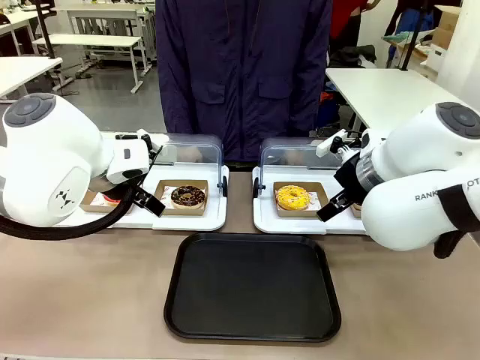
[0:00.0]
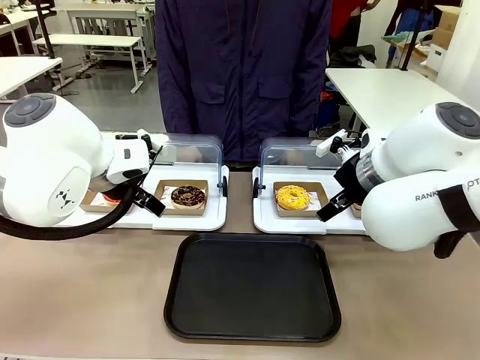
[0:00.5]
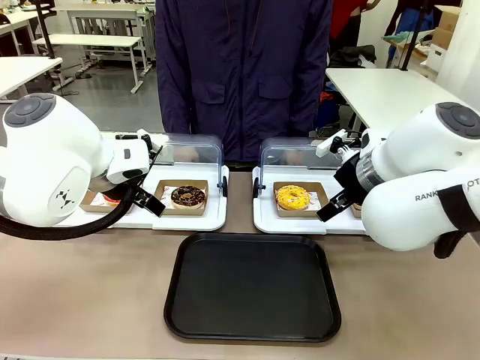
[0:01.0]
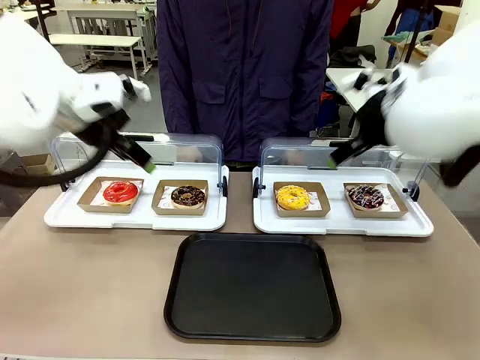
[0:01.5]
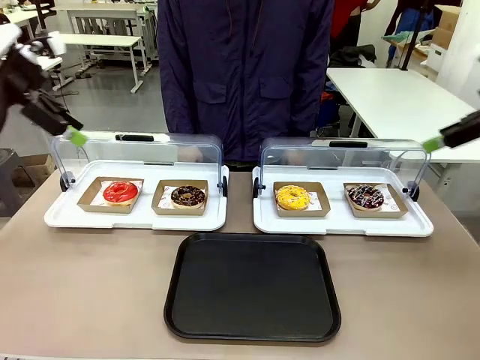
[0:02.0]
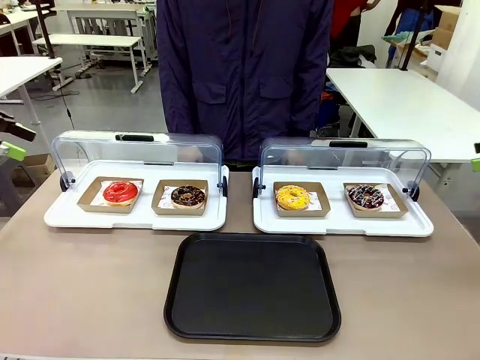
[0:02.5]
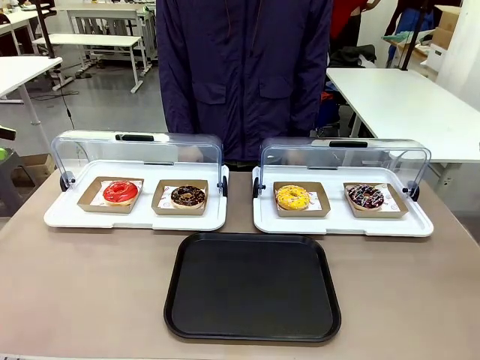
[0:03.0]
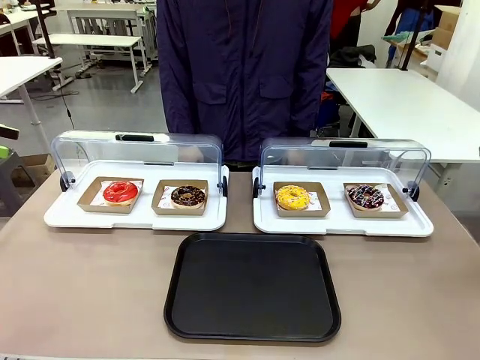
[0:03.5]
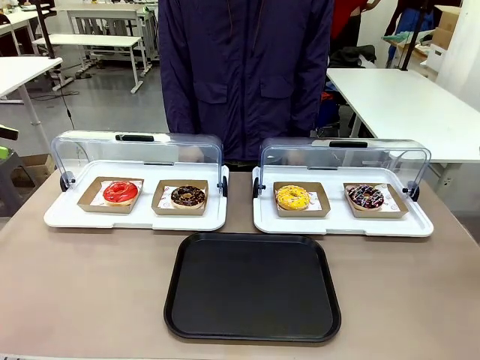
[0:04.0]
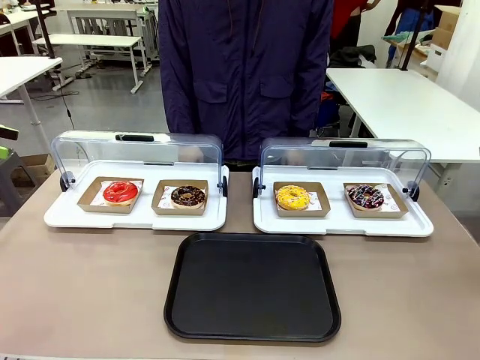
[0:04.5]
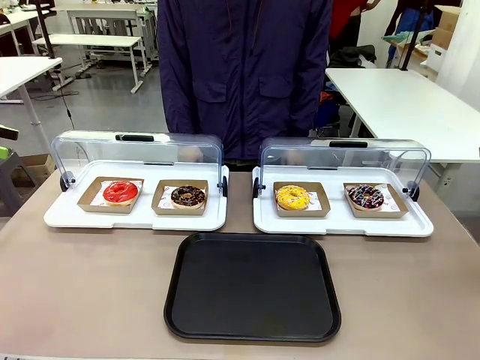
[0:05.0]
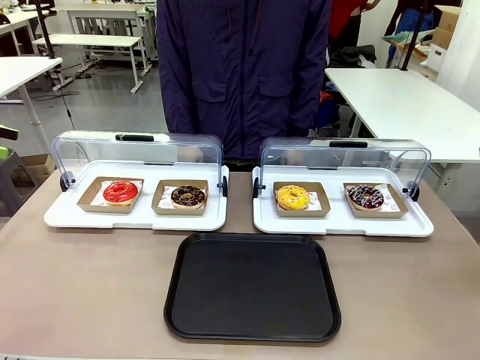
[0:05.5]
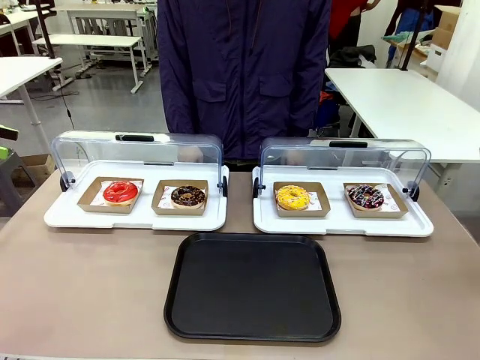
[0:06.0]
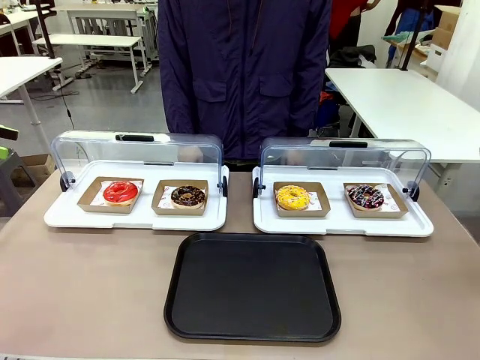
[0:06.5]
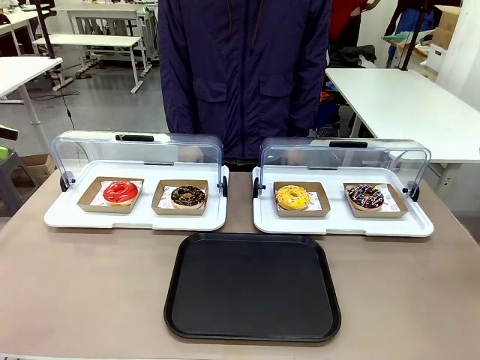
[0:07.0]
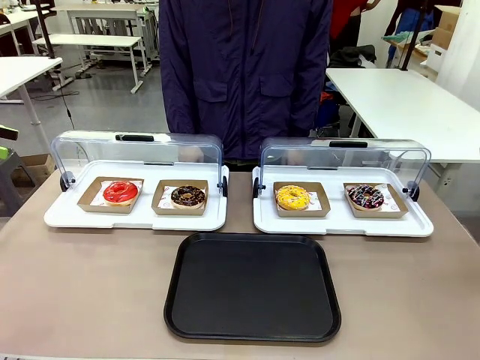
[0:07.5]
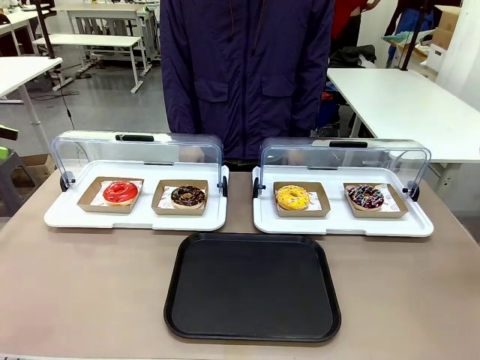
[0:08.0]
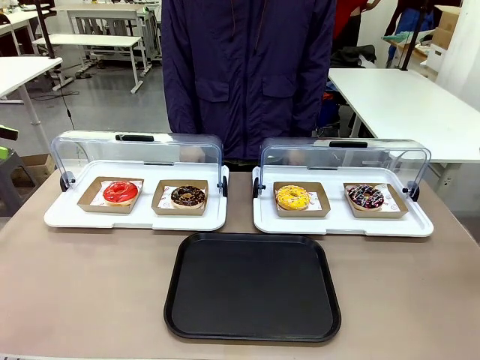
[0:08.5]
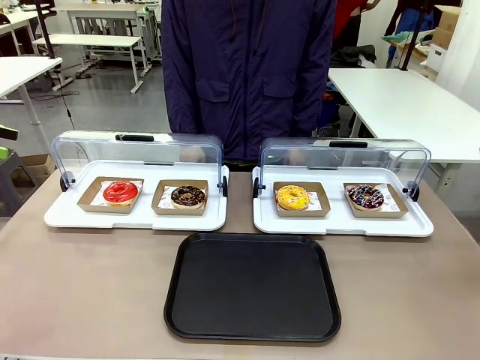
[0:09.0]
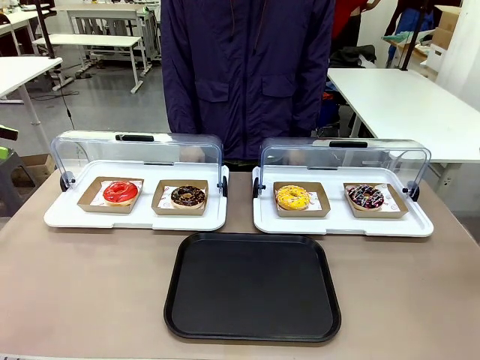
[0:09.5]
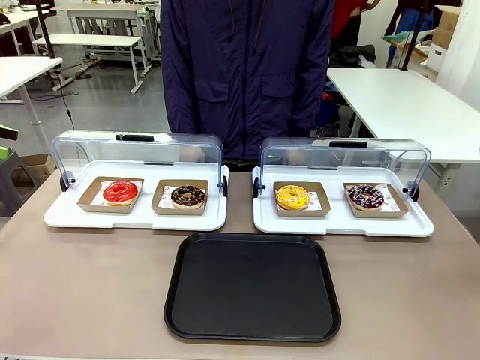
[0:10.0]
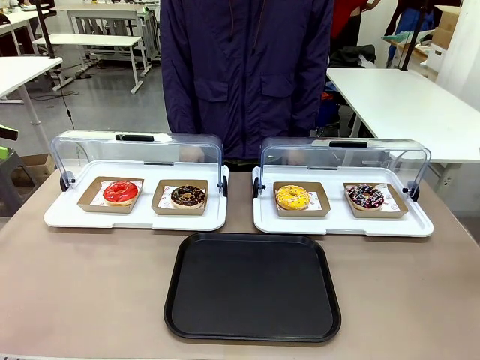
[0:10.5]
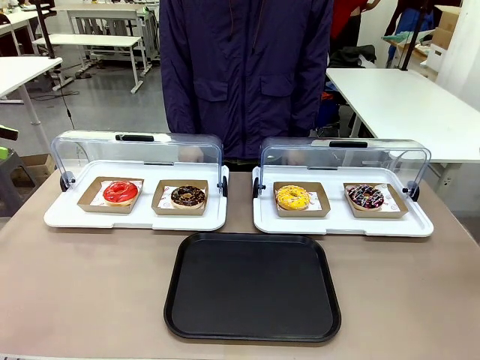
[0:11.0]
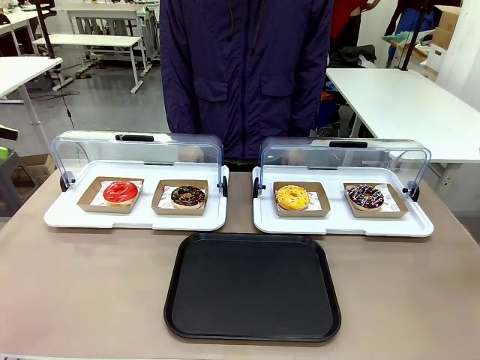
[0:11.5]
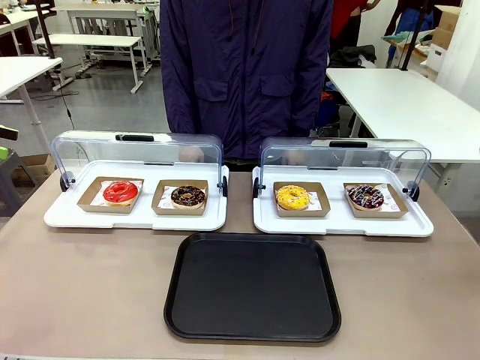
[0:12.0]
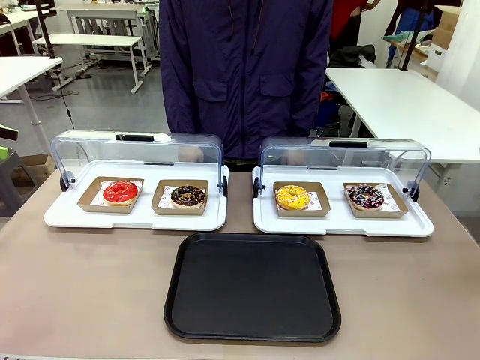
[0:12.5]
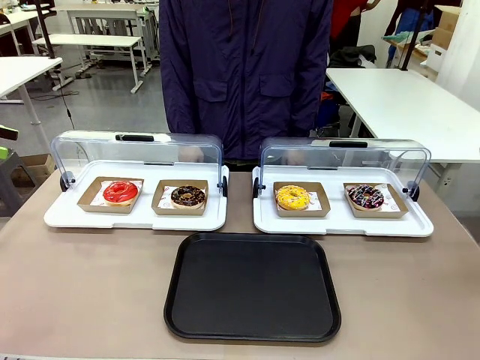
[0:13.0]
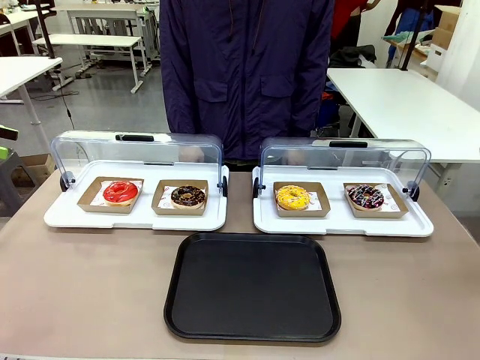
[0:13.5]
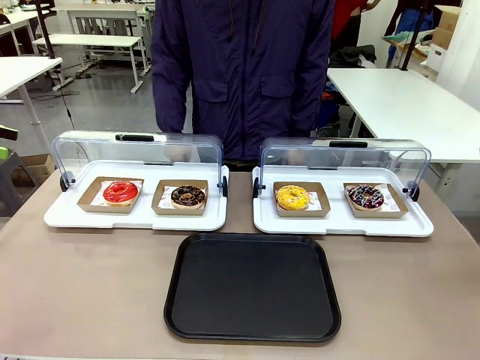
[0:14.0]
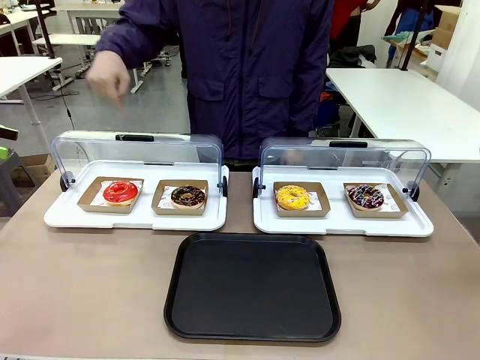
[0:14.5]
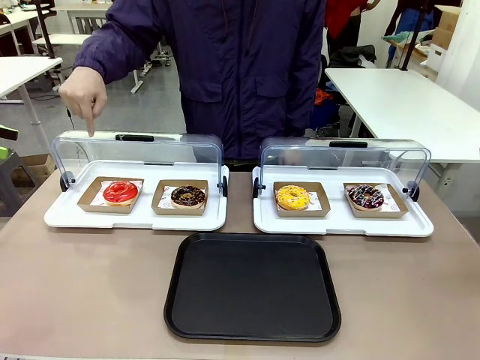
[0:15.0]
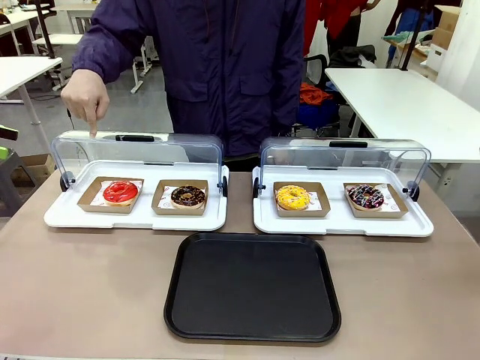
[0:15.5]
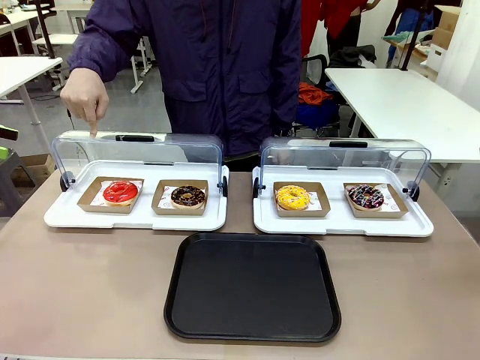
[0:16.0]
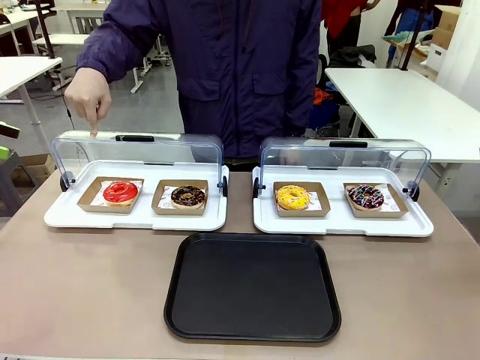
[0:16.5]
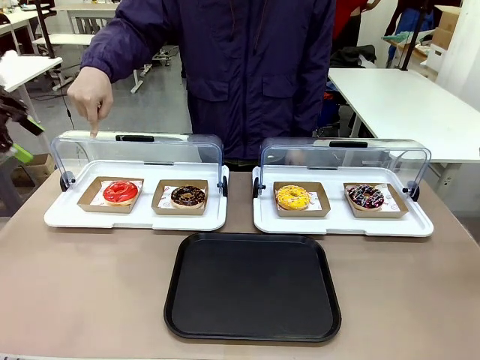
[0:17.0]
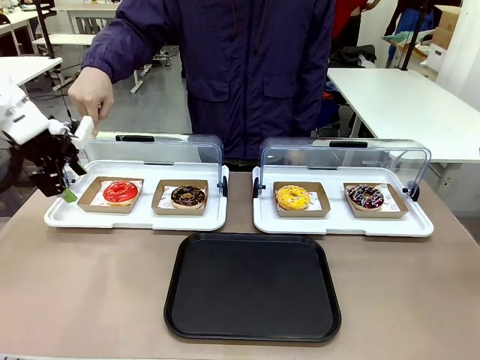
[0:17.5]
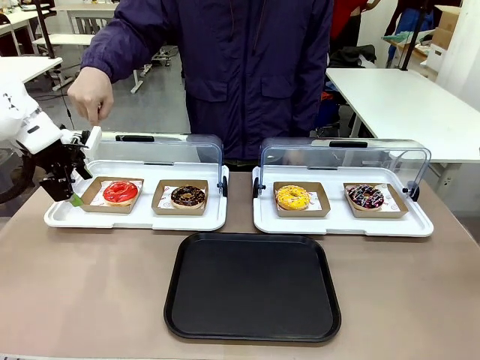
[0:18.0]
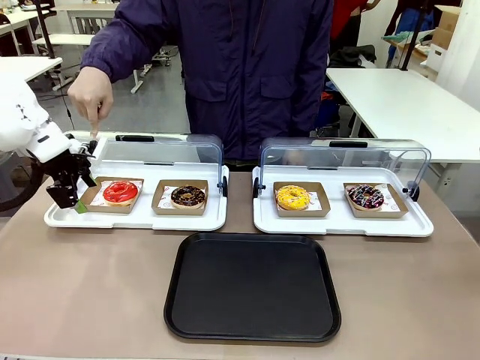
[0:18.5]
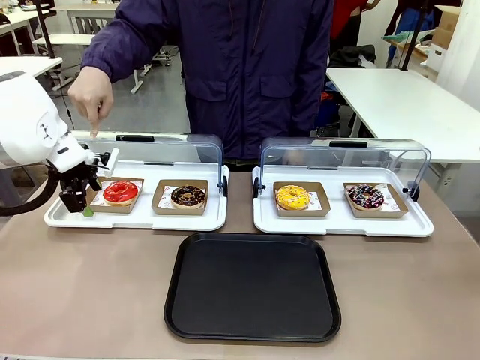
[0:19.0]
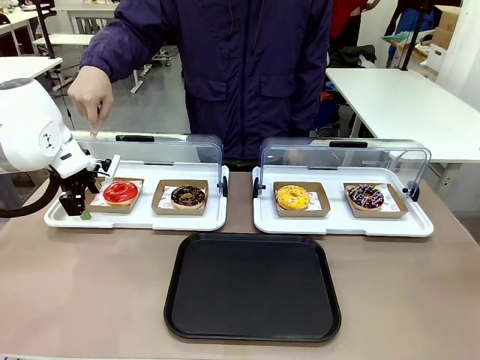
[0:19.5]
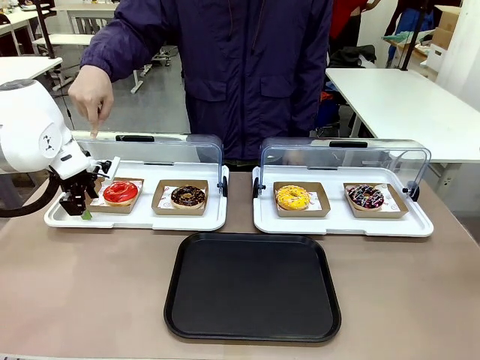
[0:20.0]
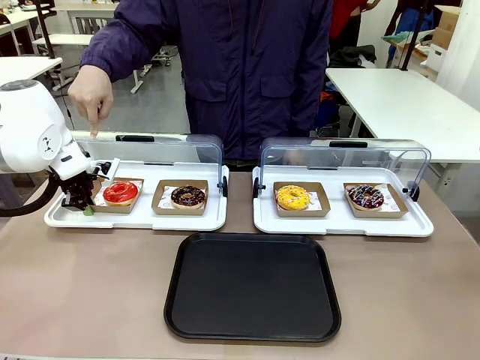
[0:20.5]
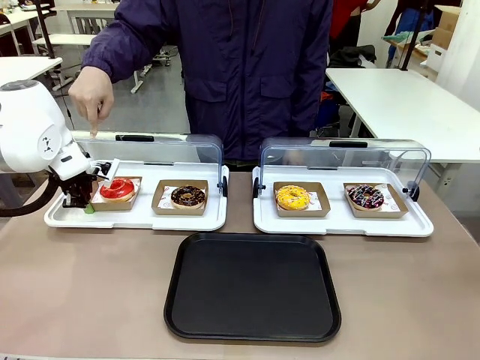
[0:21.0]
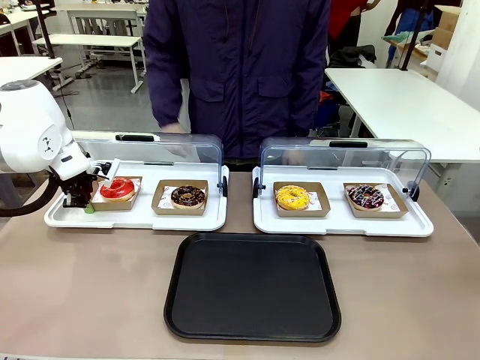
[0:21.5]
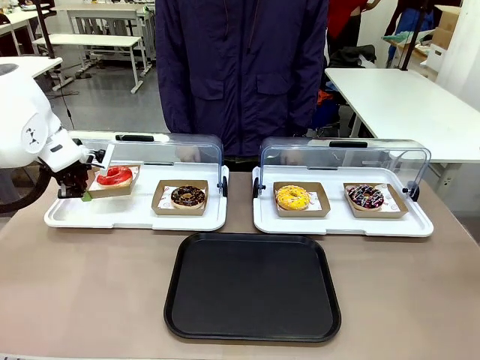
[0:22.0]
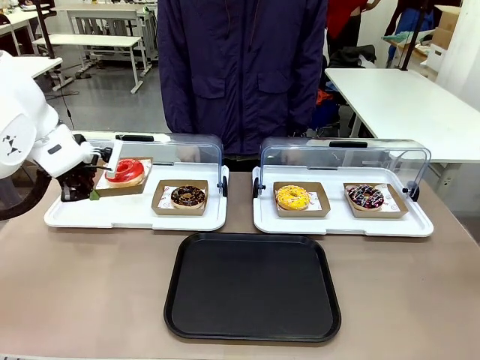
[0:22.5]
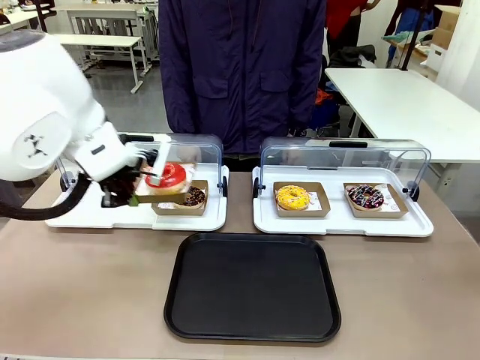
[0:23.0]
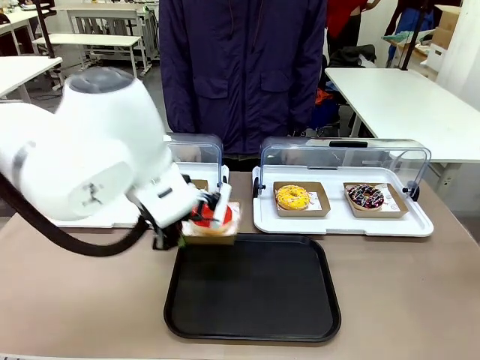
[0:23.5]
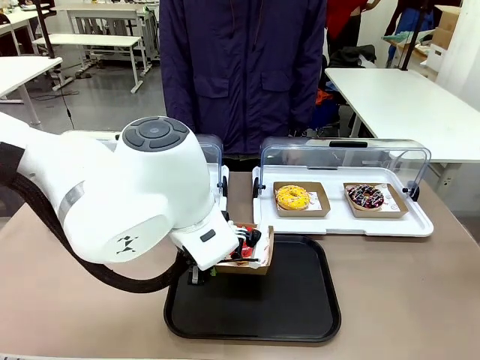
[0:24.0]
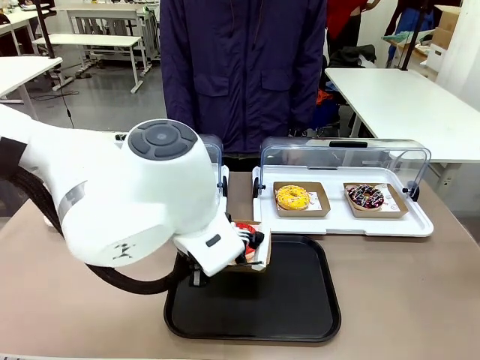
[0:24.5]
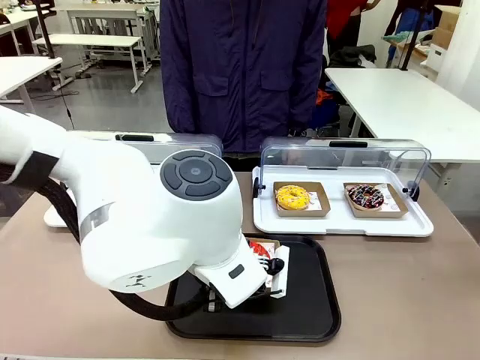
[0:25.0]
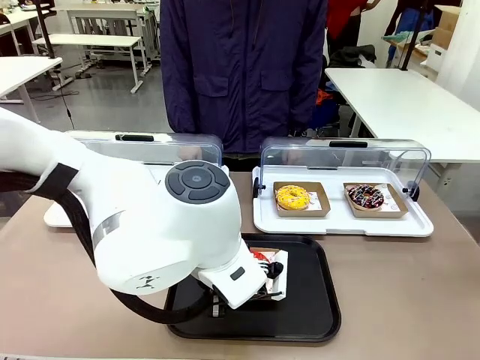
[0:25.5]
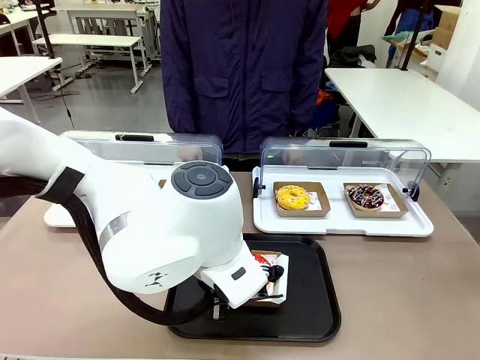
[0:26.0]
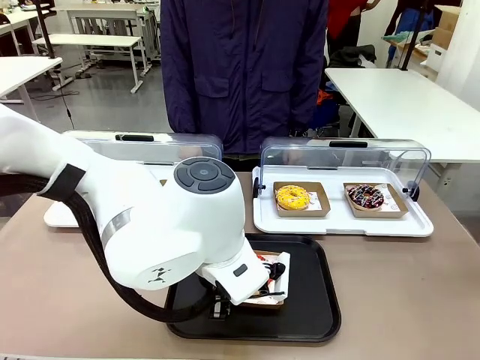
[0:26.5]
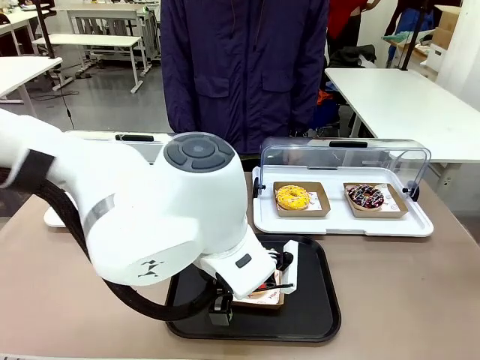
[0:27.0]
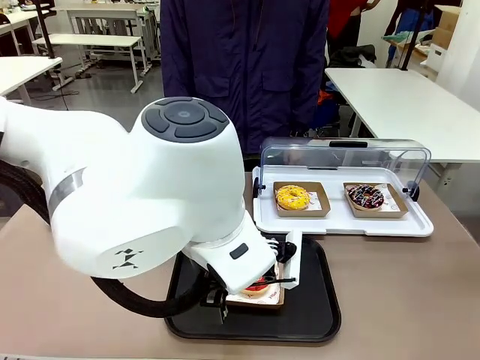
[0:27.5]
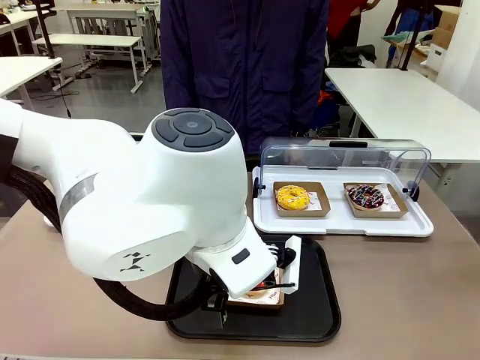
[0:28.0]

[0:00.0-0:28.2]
Task: Move the first donut from the left to the tray.
Robot: Pick up the Paper togo box containing the Donut indicated by the person and place it on the Handle tray.
Person: Points to the first donut from the left from the robot’s perspective.
